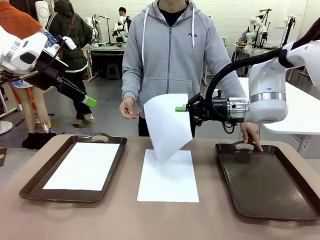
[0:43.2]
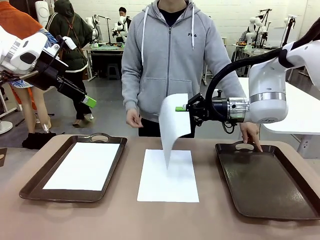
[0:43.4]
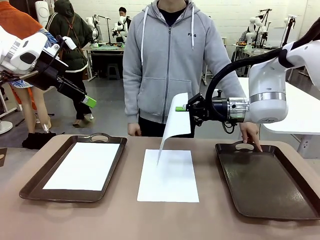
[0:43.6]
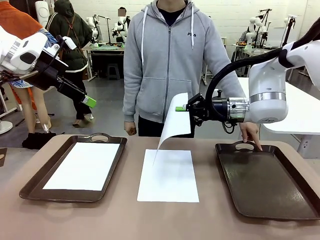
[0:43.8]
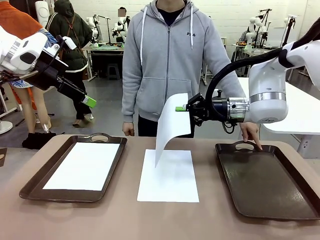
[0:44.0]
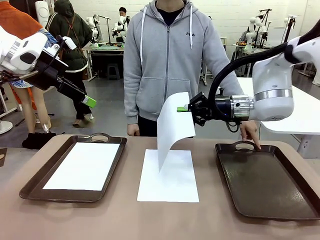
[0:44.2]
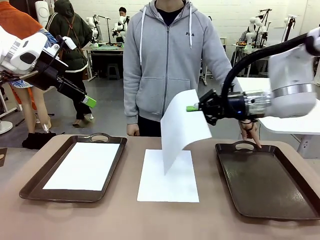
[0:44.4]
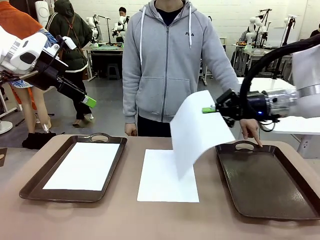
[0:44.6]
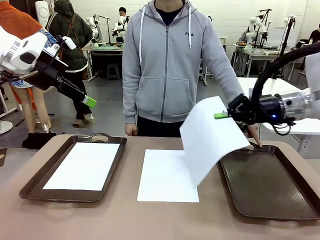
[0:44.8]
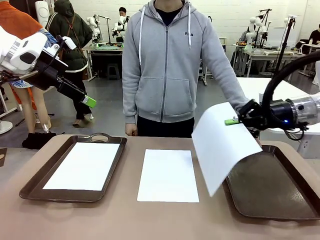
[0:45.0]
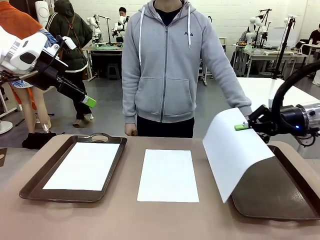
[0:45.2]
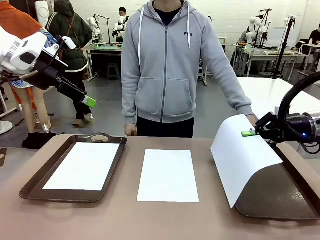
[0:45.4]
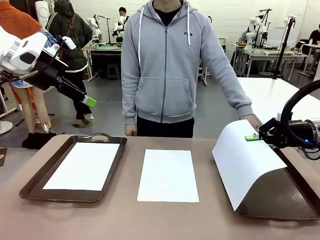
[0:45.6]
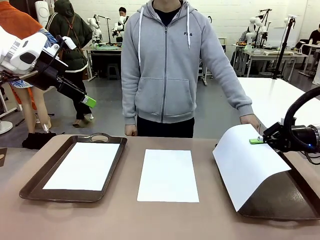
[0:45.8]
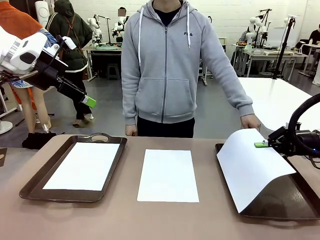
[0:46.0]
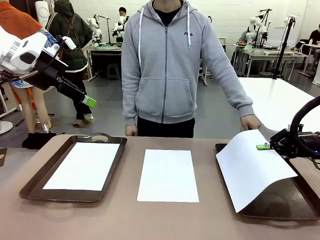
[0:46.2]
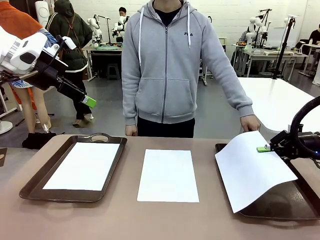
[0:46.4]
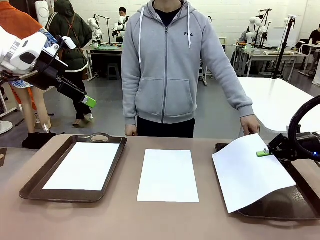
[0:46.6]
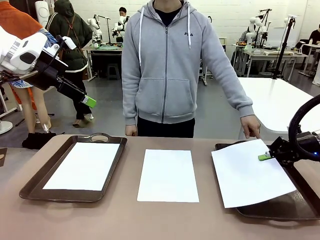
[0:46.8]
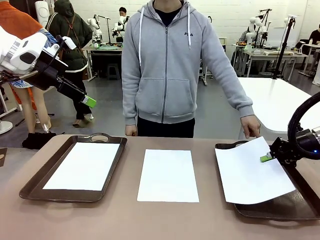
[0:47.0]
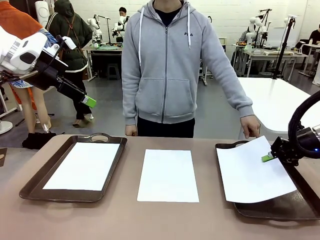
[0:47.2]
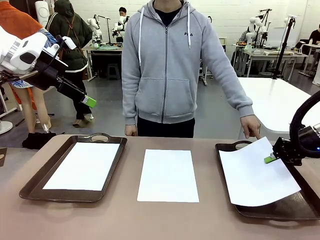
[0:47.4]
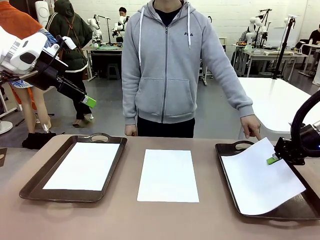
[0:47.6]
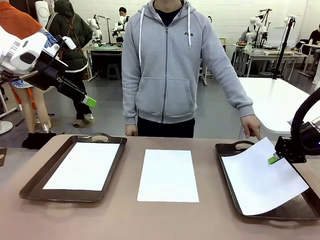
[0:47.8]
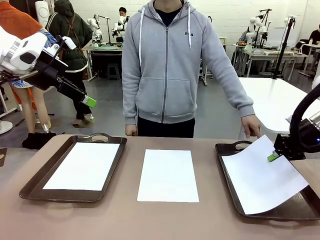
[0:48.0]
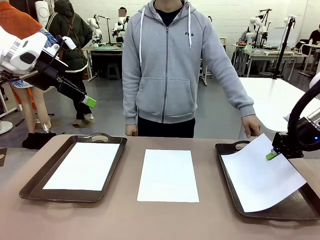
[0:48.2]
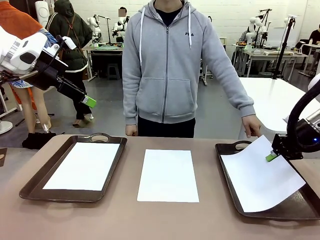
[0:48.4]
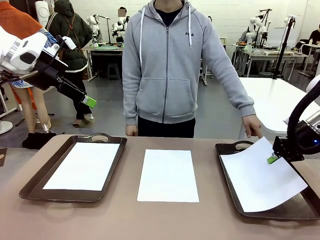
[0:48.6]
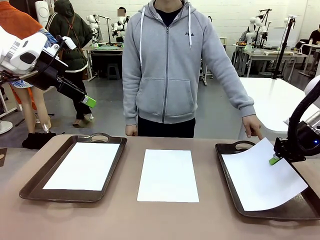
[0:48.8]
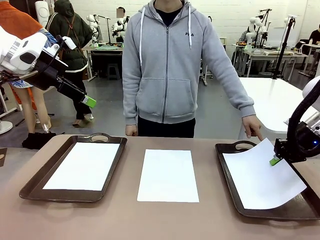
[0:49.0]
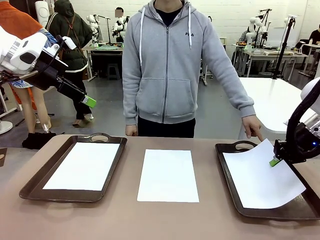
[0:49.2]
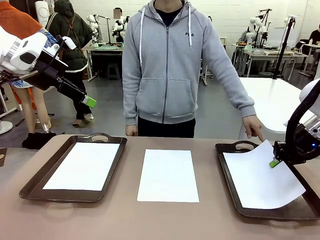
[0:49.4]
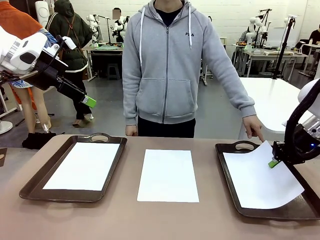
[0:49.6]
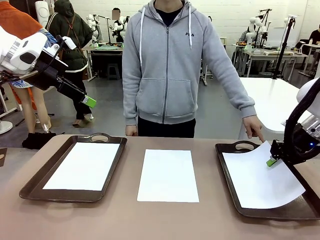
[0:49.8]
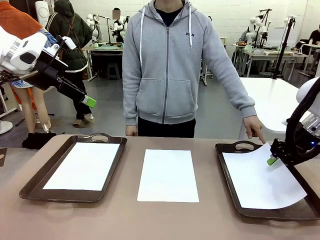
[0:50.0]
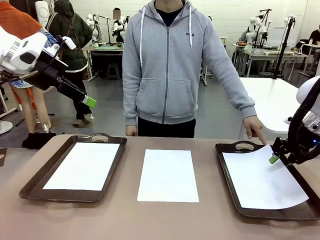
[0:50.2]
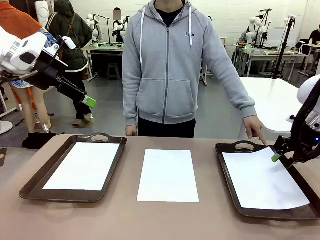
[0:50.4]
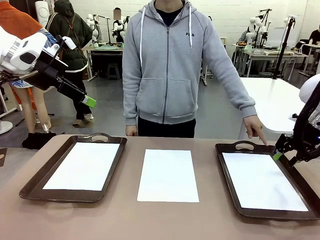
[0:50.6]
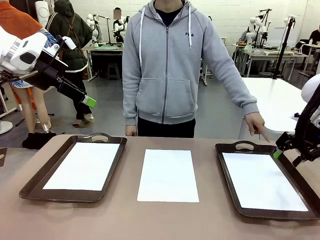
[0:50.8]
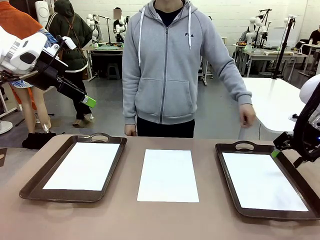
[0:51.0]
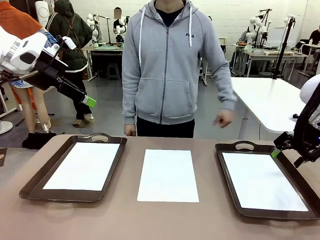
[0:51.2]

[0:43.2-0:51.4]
Task: Sort the A4 documents.
Robot: Place the A4 Paper in the designated Handle tray.

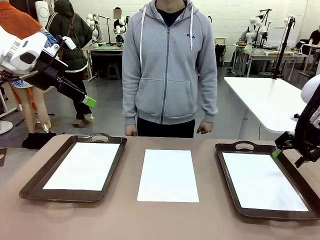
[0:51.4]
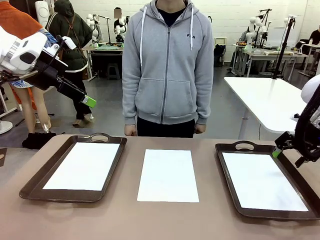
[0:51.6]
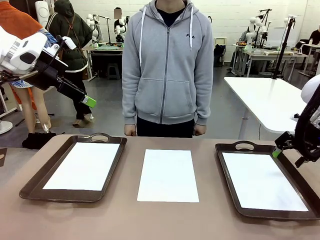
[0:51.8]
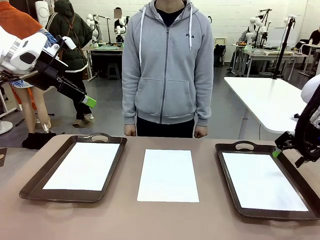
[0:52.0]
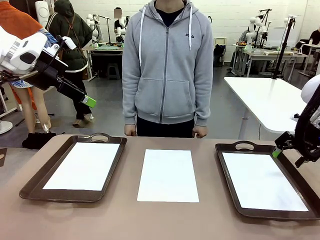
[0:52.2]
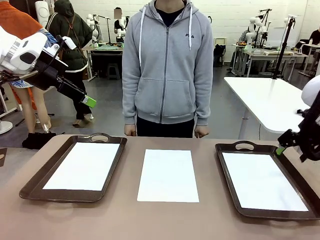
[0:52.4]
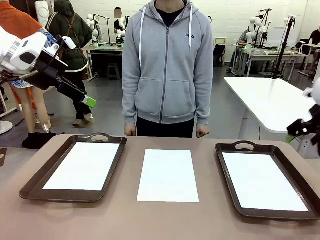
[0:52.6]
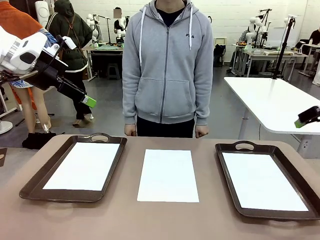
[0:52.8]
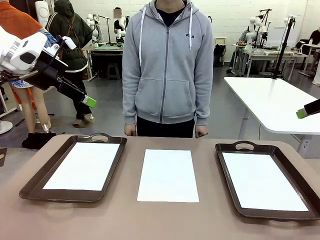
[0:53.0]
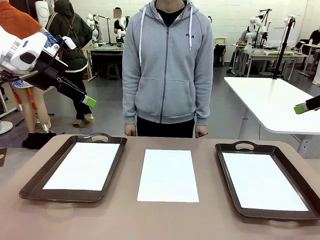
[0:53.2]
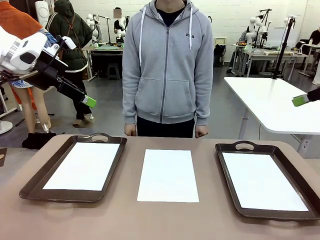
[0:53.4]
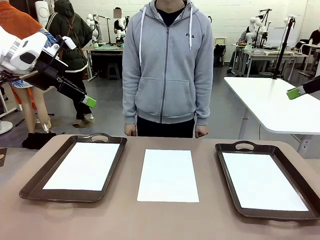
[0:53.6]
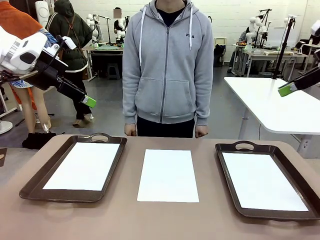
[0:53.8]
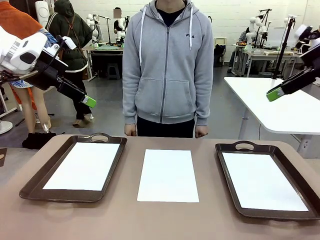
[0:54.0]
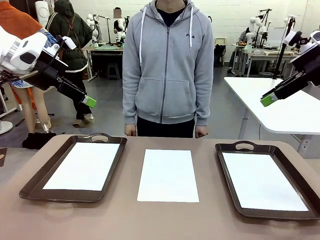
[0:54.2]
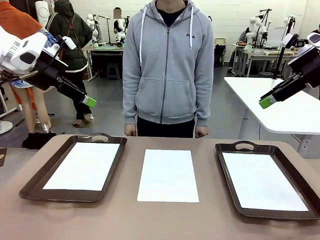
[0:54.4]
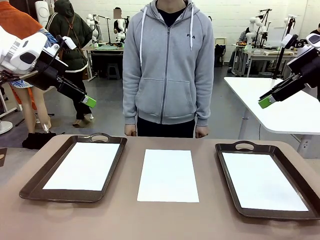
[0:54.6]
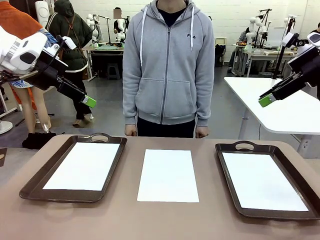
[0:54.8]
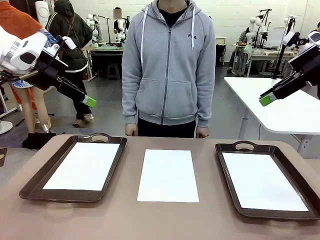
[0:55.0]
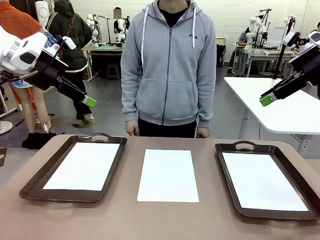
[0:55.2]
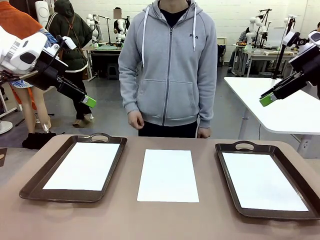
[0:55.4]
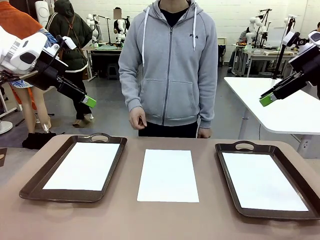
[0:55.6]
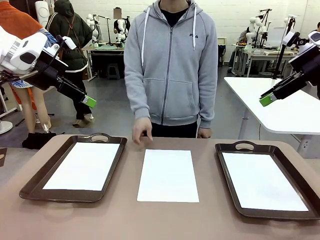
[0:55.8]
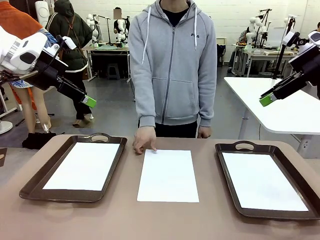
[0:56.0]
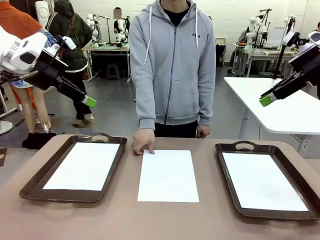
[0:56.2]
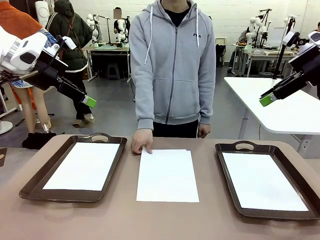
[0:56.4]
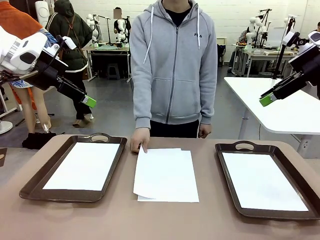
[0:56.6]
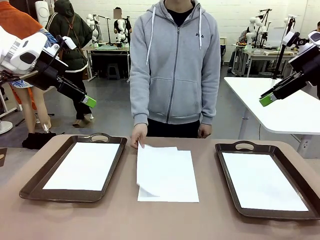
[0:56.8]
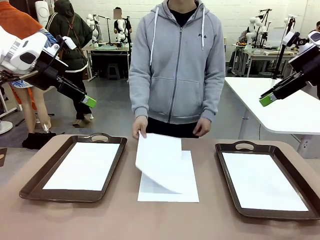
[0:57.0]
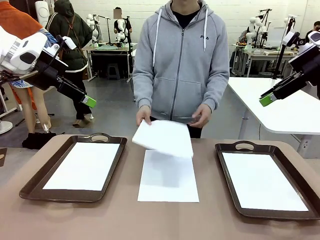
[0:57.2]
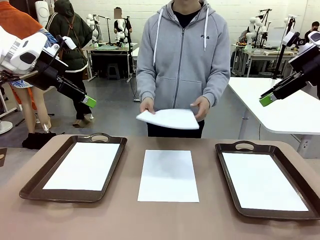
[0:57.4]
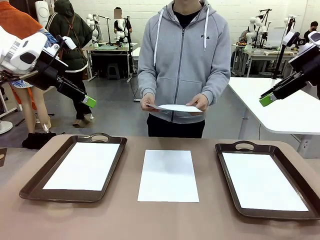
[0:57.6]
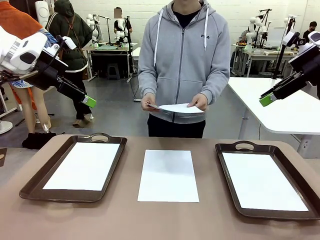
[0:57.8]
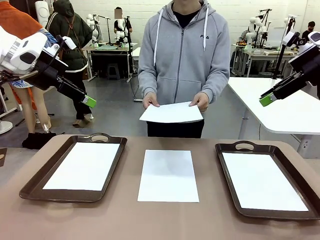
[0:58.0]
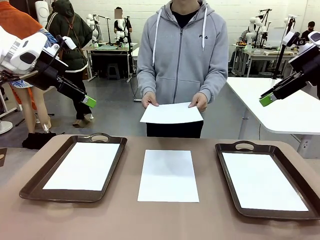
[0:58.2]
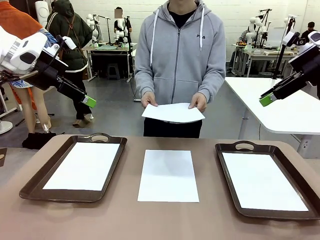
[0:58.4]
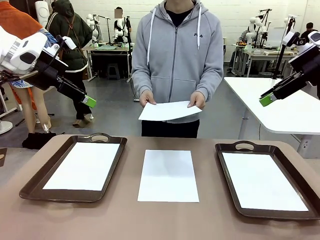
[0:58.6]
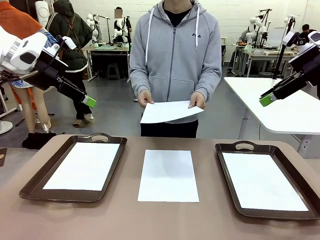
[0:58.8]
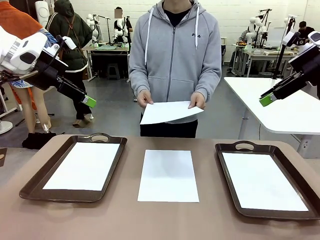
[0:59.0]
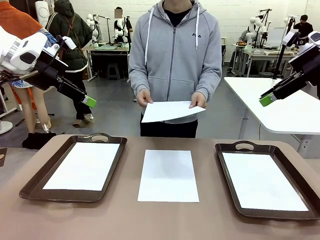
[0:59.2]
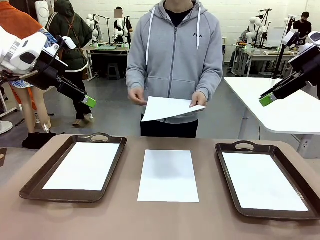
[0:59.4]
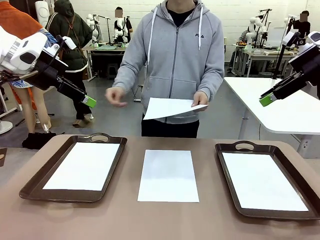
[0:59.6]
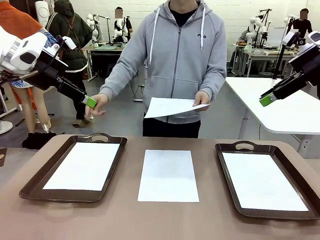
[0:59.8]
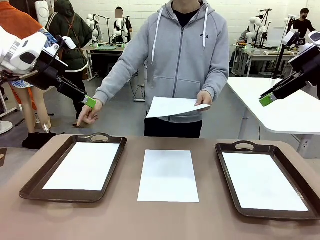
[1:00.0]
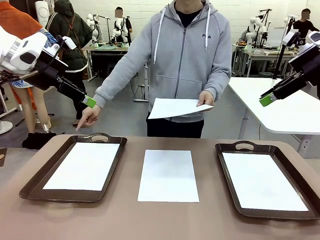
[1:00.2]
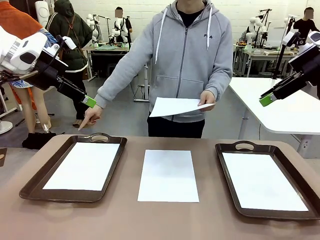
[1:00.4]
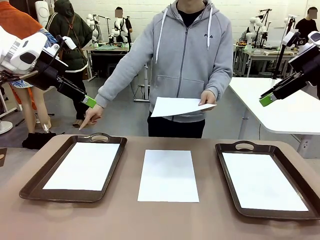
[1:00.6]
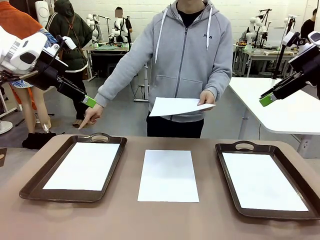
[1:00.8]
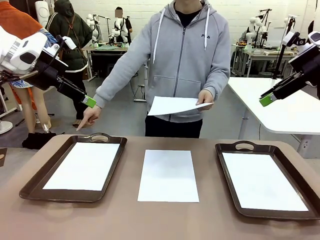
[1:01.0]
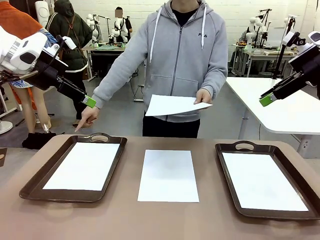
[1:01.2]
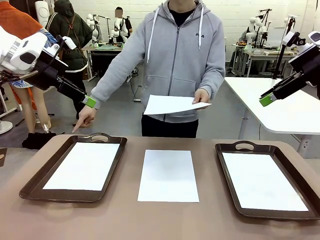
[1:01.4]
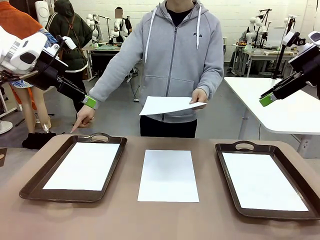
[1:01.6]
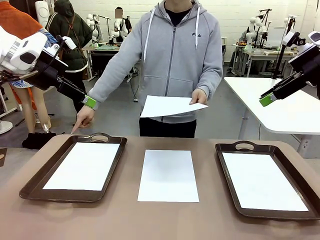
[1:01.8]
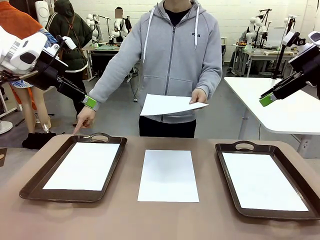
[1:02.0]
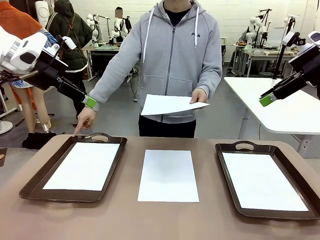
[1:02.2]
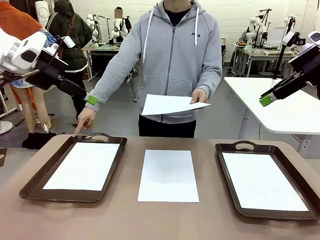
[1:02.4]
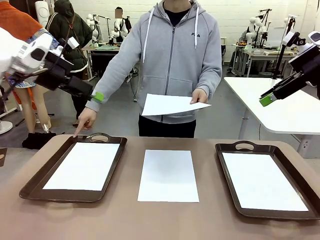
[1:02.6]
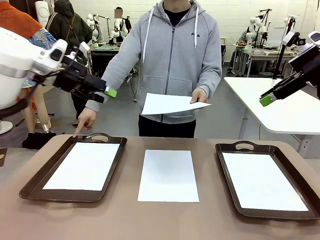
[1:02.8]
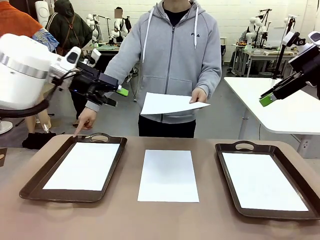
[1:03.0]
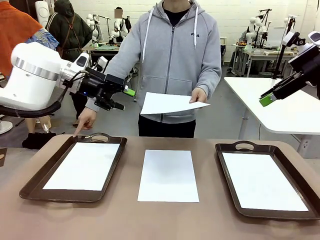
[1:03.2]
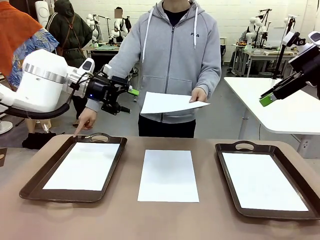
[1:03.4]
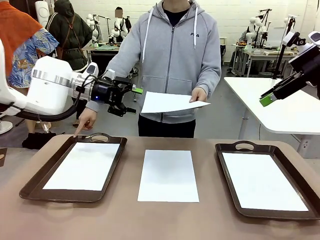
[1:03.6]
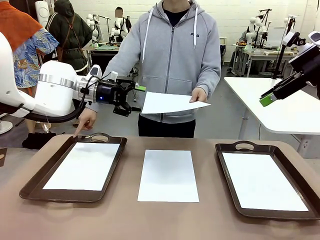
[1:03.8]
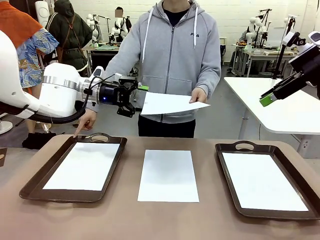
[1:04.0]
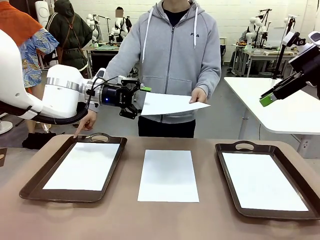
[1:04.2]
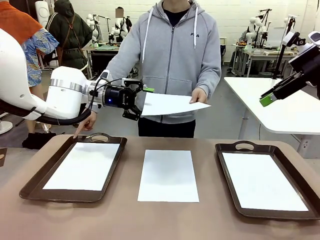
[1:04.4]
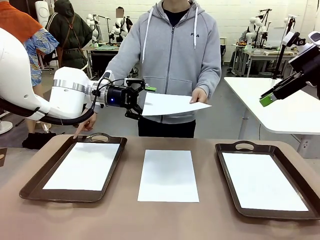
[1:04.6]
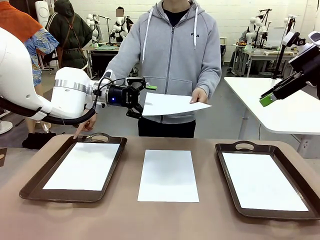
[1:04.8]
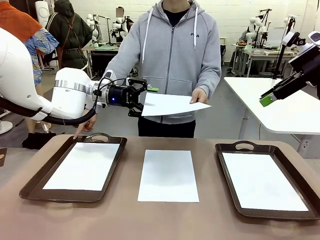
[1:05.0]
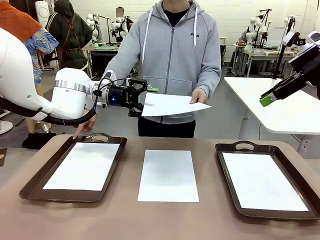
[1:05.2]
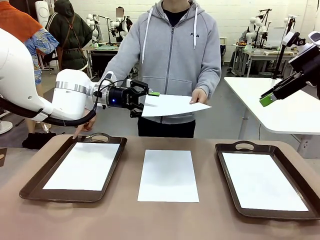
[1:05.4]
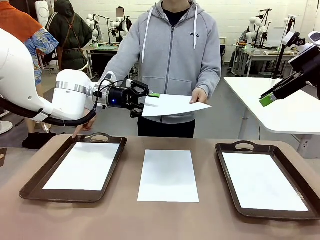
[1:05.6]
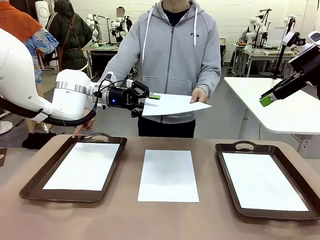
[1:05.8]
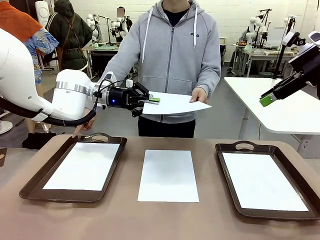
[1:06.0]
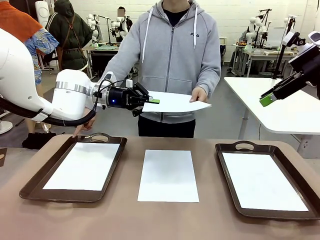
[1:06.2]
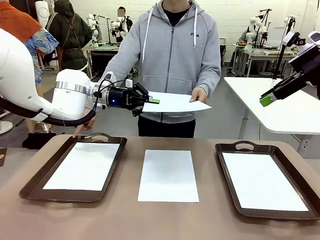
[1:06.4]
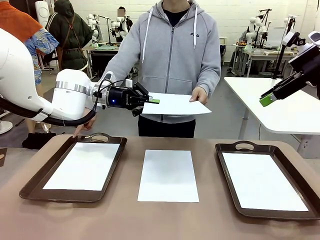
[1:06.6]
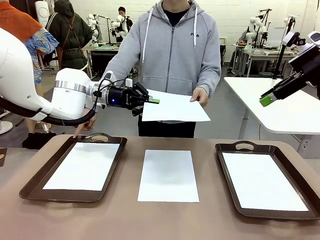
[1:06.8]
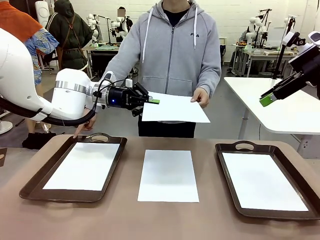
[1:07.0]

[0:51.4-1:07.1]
Robot: Receive the A4 Paper.
Person: Point the randomly selected tray with the other hand.
